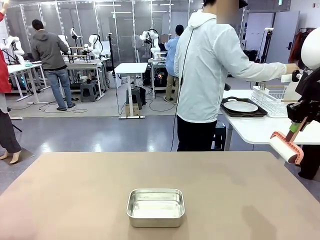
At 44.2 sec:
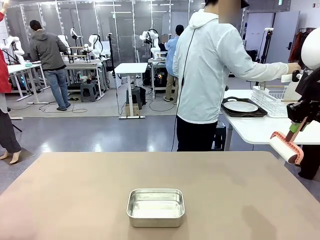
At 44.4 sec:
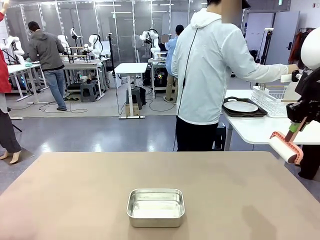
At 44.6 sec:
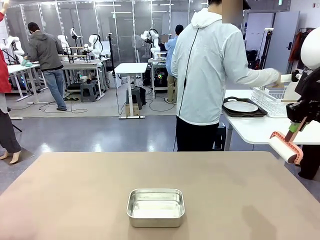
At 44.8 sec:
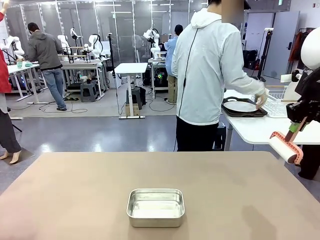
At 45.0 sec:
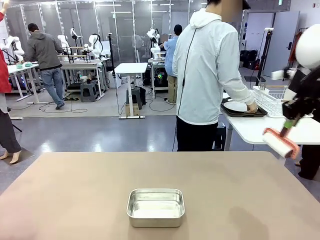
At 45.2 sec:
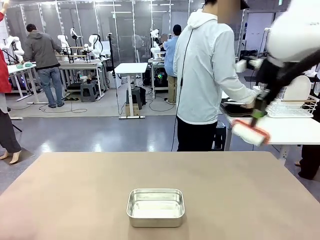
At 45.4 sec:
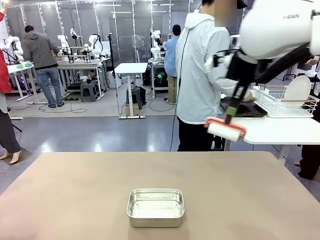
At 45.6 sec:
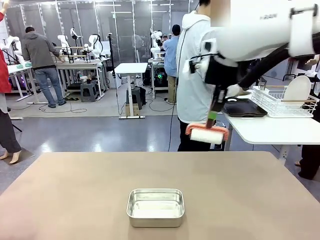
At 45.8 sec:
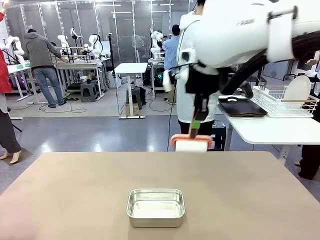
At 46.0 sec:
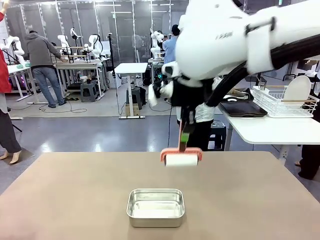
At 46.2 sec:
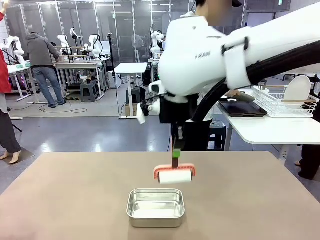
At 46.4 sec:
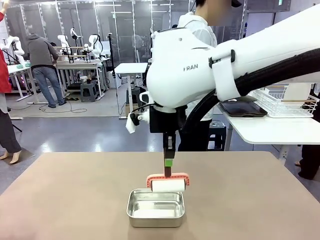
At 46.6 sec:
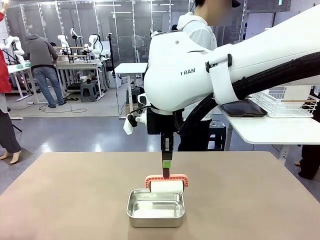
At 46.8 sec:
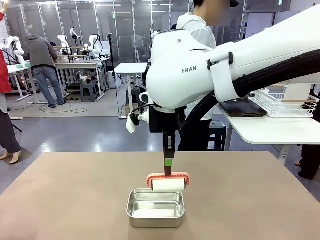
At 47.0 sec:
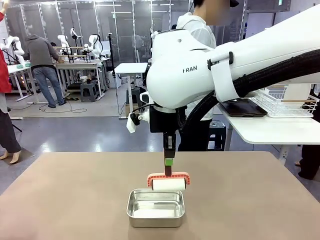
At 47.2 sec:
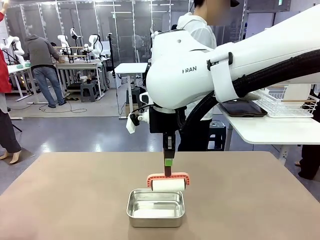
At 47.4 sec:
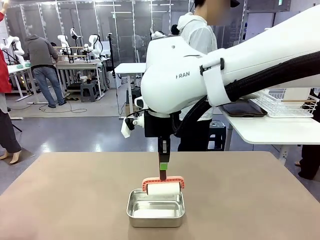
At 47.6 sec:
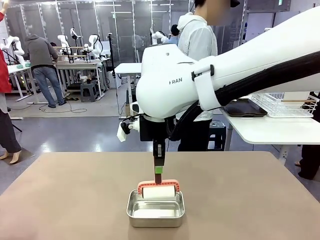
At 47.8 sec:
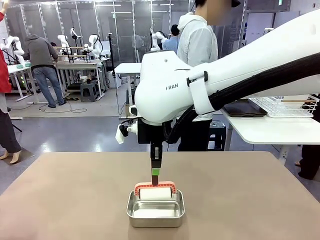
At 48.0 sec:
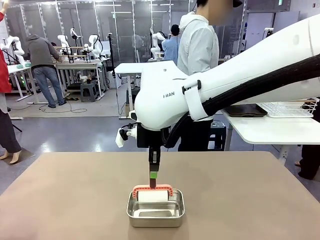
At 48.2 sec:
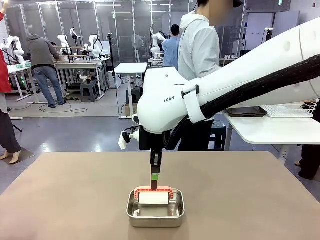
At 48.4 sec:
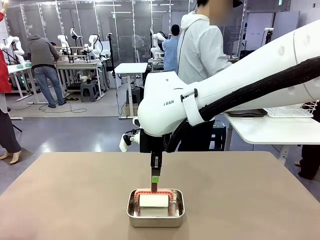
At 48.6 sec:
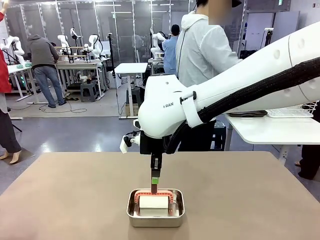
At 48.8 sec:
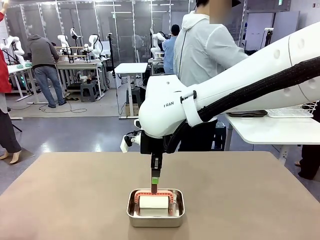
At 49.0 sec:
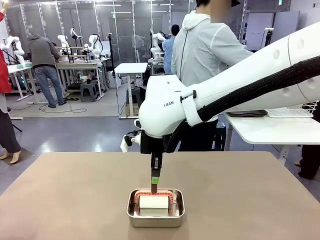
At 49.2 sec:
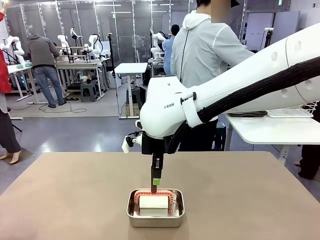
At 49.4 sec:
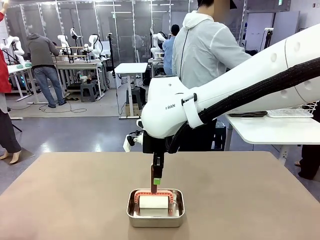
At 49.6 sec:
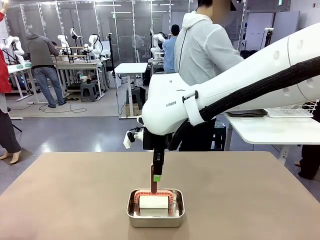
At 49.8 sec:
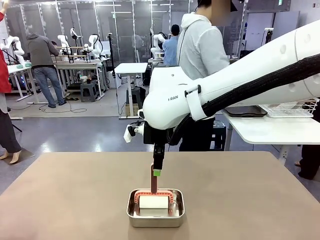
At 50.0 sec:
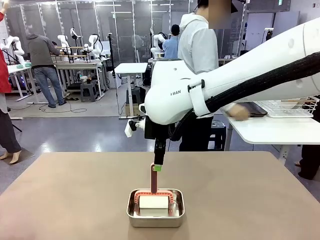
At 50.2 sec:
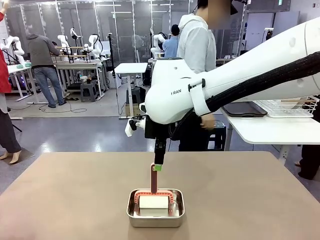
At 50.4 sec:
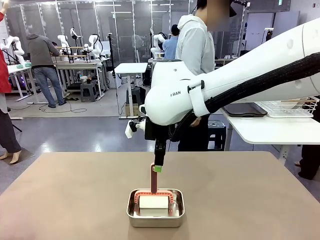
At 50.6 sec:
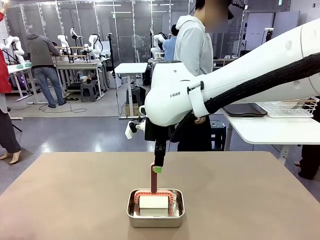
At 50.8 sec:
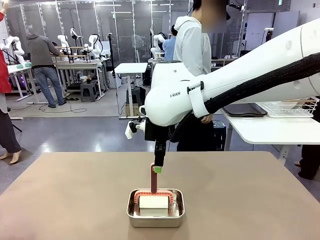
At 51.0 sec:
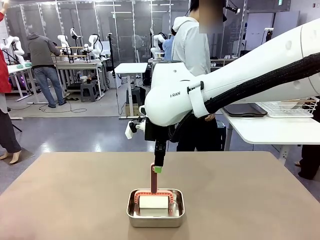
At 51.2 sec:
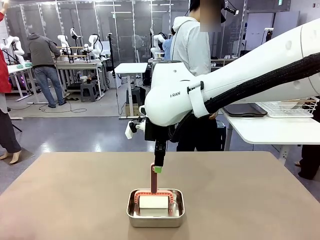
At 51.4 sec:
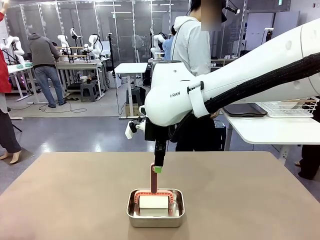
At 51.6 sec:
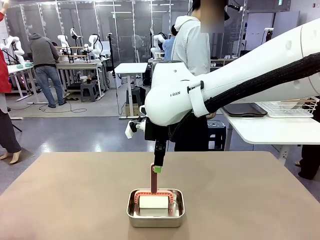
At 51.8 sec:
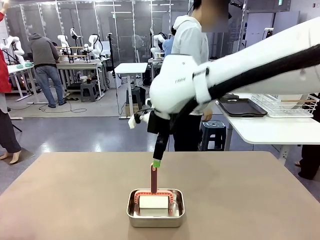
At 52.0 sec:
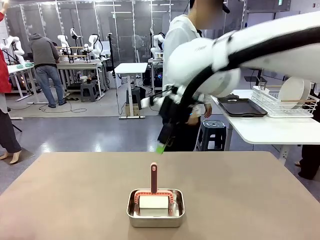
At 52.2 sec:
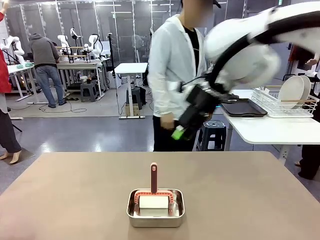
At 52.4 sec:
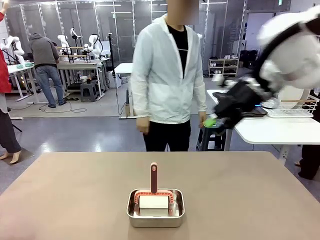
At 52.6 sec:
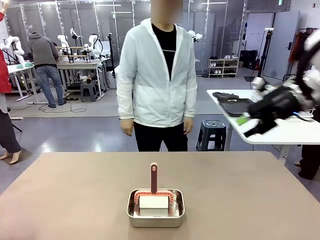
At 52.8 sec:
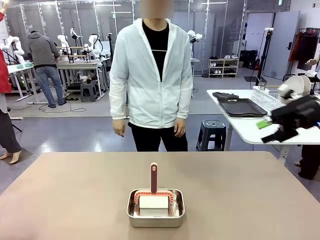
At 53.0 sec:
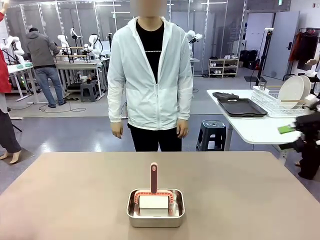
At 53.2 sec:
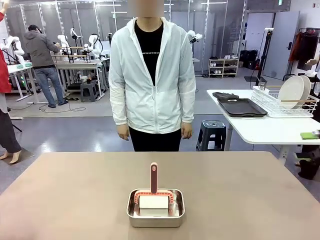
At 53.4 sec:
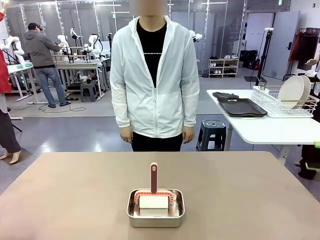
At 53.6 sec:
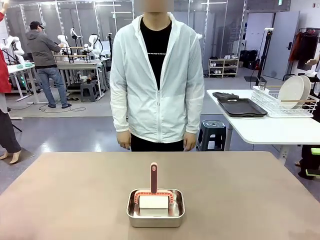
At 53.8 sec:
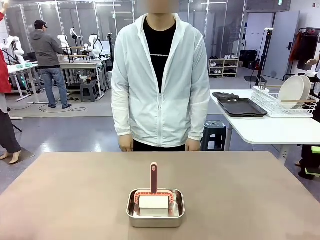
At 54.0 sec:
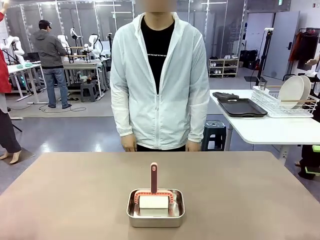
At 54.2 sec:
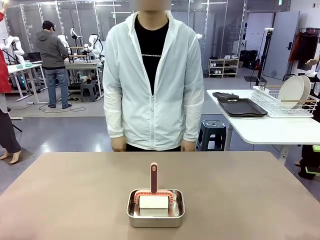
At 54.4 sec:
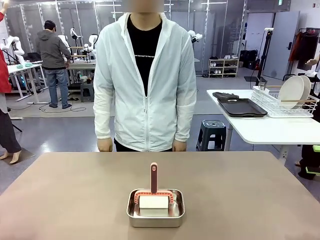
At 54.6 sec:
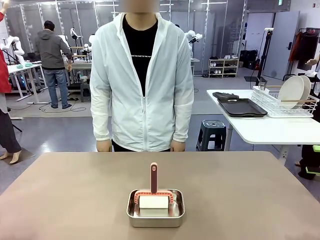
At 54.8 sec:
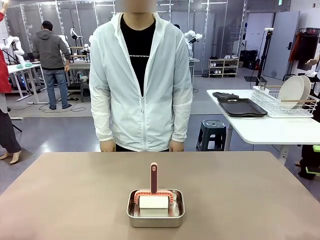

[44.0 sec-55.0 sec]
Robot: Place the Lint Roller back on top of the Airtight Container.

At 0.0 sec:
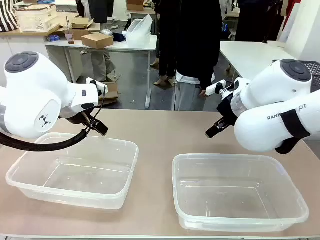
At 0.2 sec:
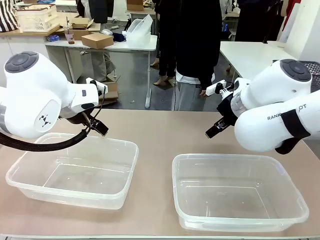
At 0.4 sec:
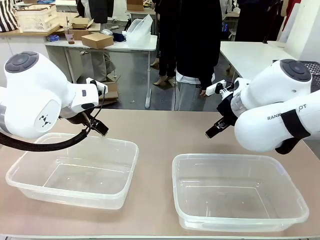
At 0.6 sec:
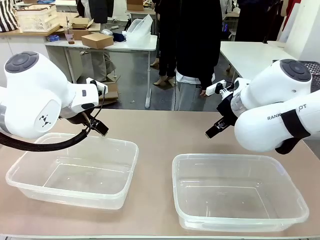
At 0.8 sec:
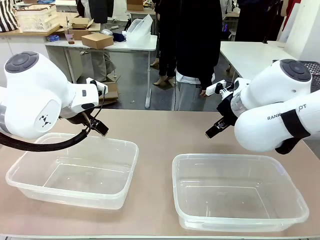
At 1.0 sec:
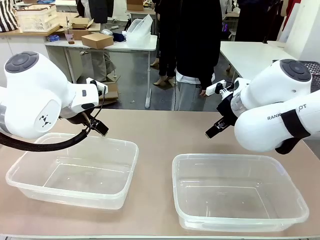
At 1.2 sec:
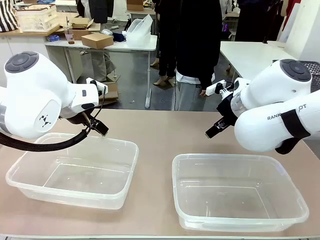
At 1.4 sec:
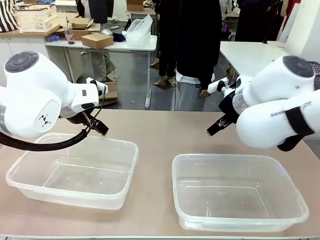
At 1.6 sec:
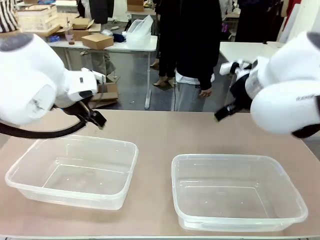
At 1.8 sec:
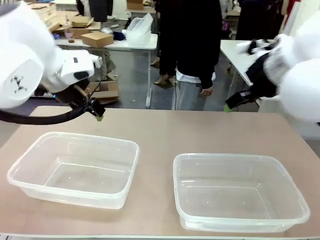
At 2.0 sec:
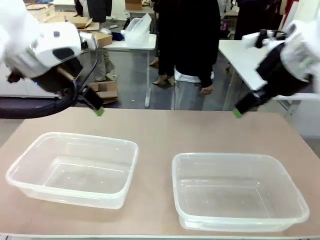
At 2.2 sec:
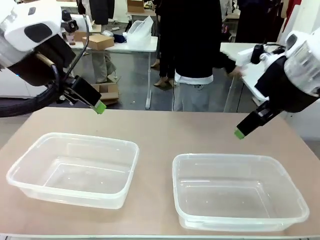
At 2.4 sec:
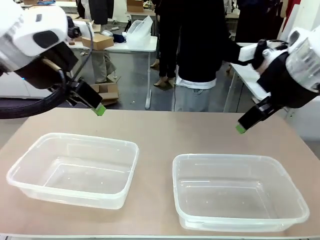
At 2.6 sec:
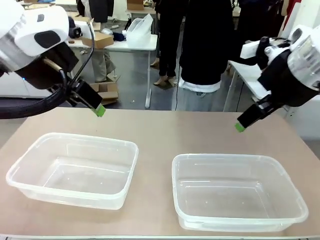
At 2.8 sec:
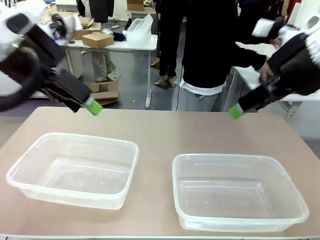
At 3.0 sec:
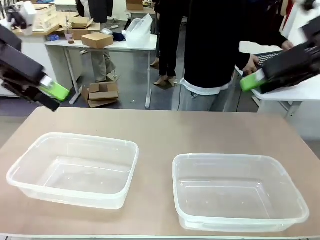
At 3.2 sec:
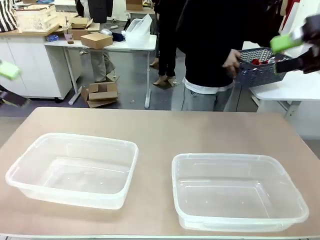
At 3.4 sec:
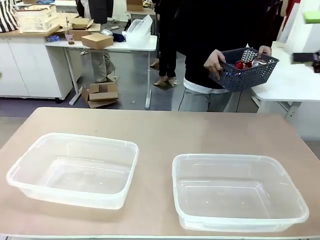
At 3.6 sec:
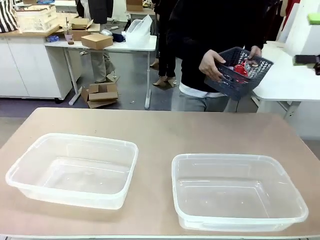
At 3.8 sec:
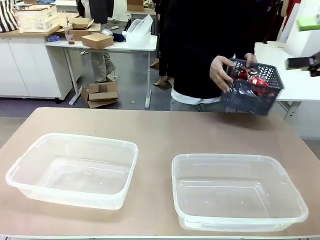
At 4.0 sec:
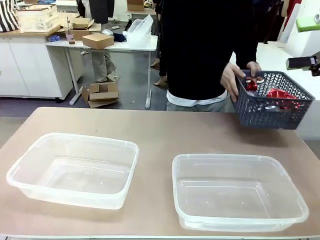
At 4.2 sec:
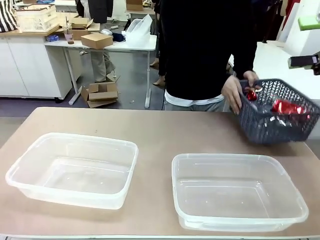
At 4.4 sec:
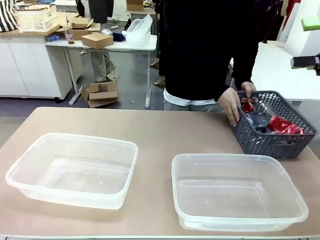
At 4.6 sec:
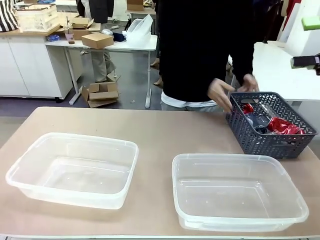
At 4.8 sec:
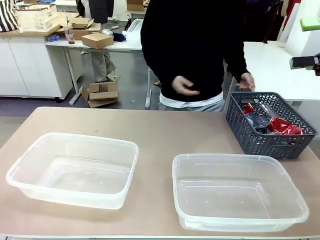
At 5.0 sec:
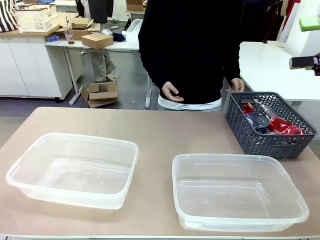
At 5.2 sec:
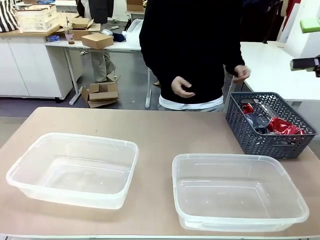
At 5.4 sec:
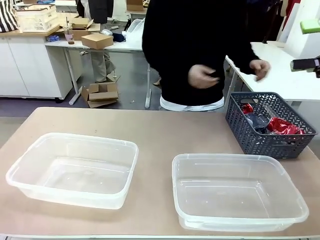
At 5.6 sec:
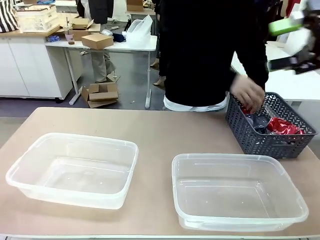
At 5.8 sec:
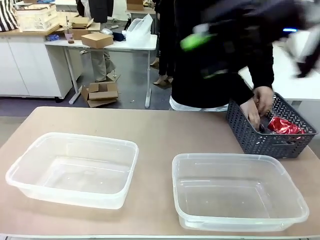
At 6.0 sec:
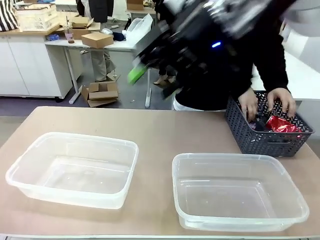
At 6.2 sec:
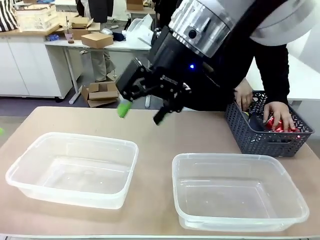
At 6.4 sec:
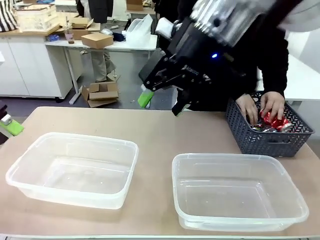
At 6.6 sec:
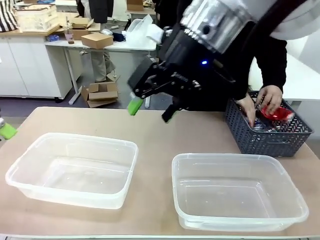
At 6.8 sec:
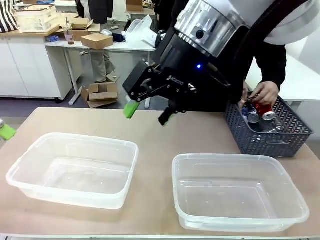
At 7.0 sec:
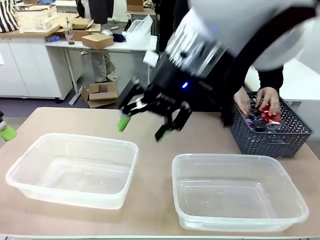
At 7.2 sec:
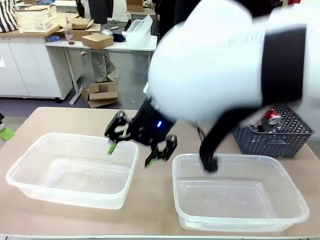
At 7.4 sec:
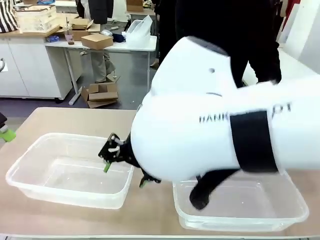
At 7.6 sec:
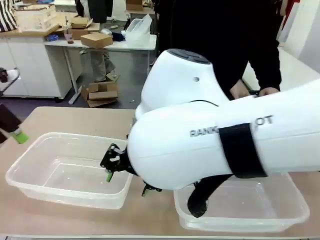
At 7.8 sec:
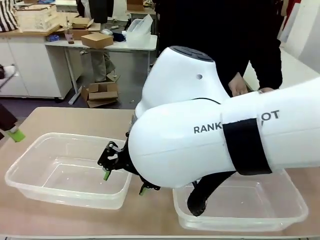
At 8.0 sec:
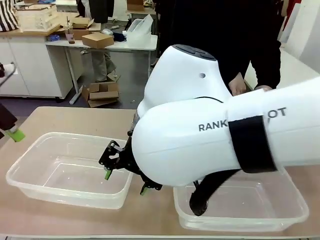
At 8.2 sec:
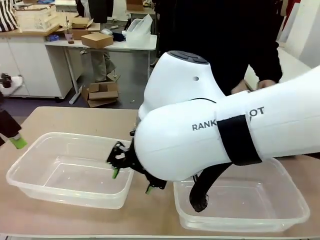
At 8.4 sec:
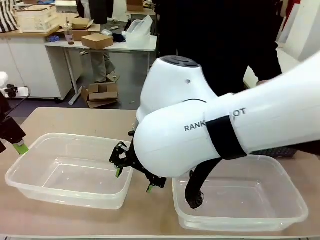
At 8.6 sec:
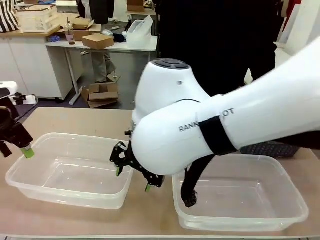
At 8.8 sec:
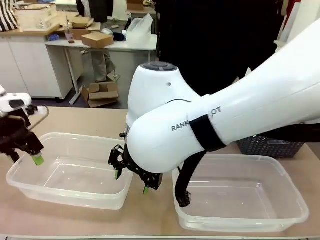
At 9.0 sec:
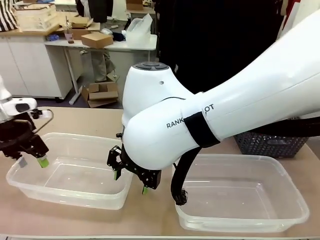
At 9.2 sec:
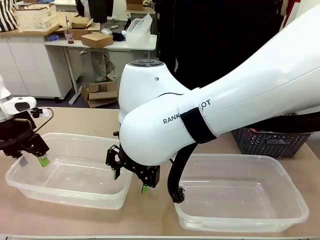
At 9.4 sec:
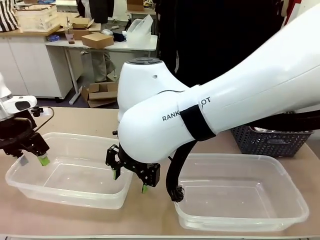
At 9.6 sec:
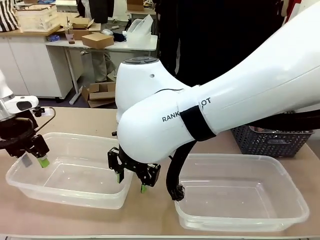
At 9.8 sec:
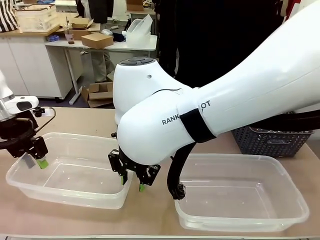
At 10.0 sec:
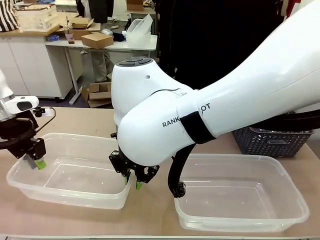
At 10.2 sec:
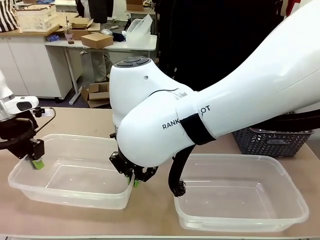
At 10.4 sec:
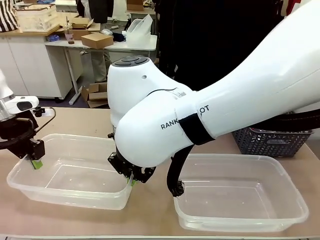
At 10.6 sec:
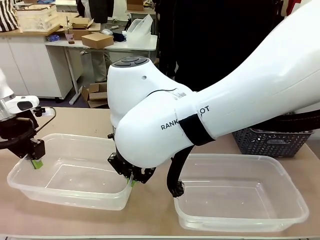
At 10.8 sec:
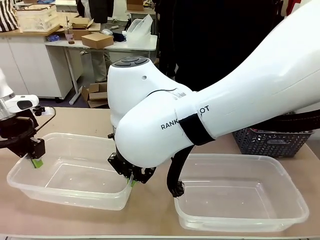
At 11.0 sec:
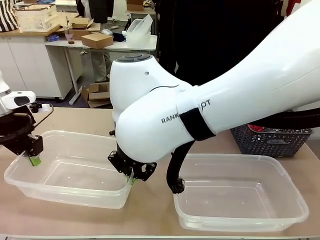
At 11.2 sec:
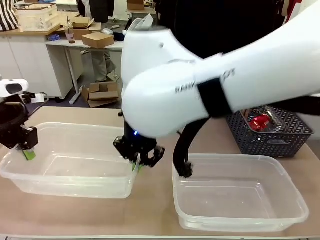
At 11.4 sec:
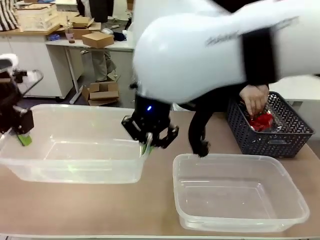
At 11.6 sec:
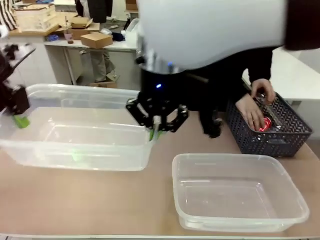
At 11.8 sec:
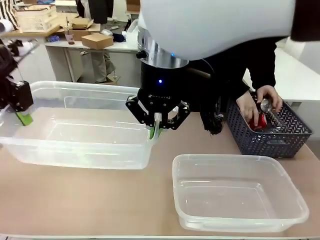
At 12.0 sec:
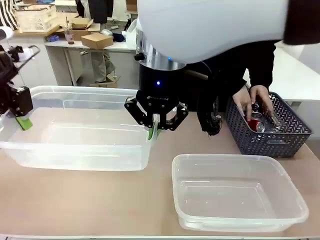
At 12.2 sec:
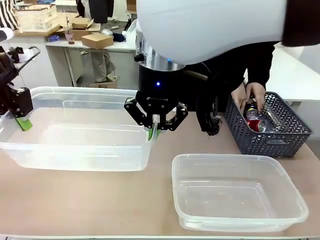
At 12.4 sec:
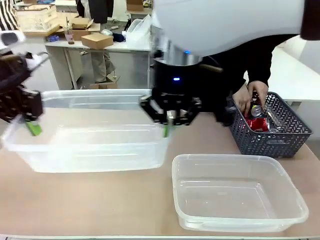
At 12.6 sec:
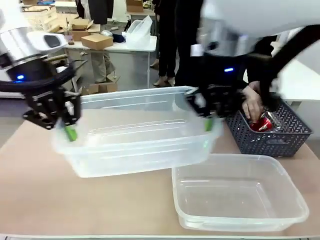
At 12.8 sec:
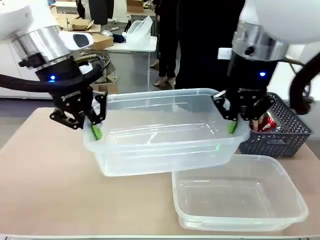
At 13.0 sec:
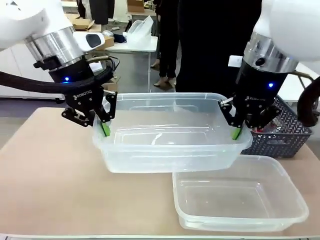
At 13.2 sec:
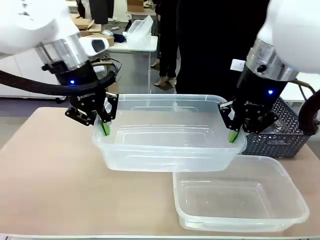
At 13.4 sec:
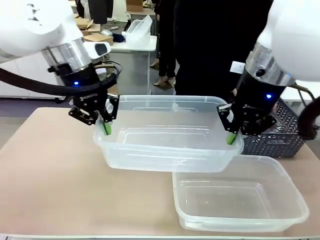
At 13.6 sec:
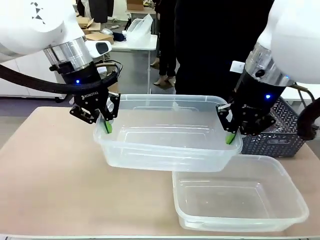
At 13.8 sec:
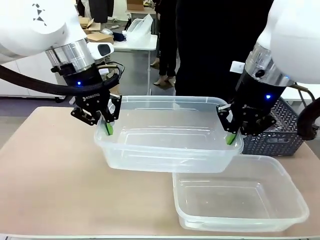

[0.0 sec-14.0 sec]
Robot: Pick up the Organizing box on the left side of the table and lift it.
Person: Pick up the storage basket and place it on the left side of the robot table. Pick up can-shaped waste one by one and place it into the organizing box lifted by the robot.
